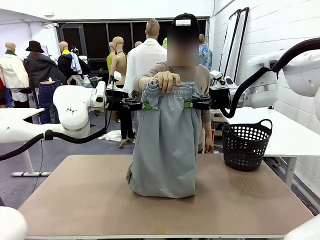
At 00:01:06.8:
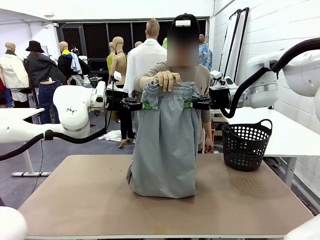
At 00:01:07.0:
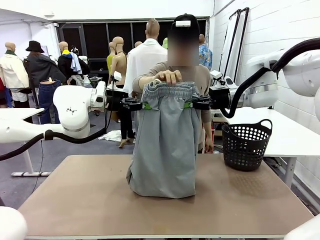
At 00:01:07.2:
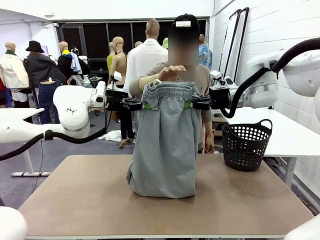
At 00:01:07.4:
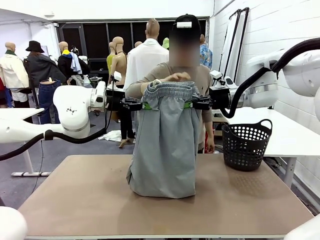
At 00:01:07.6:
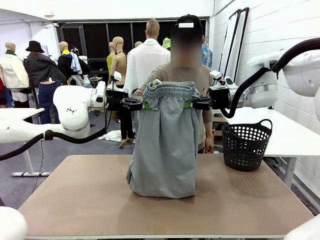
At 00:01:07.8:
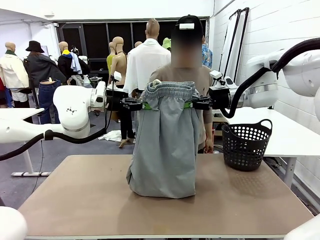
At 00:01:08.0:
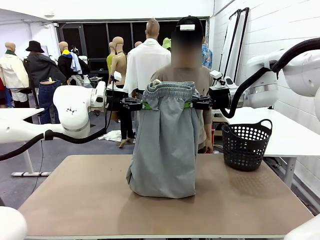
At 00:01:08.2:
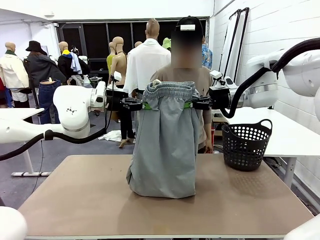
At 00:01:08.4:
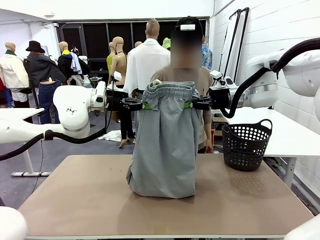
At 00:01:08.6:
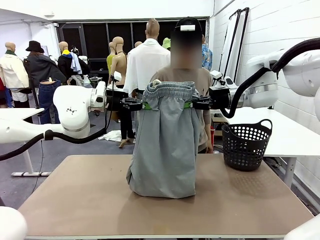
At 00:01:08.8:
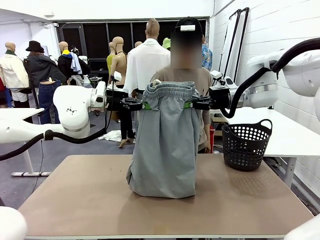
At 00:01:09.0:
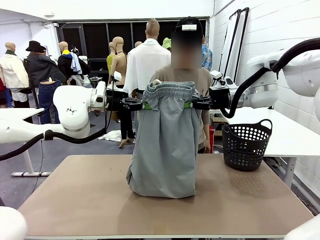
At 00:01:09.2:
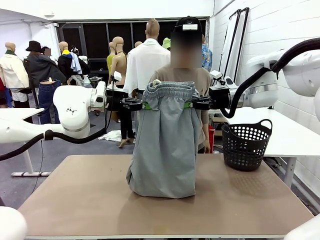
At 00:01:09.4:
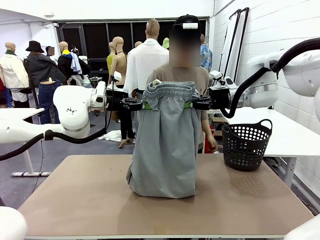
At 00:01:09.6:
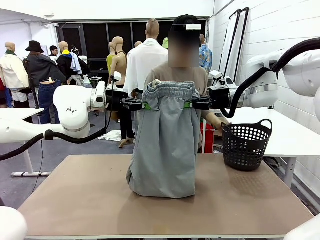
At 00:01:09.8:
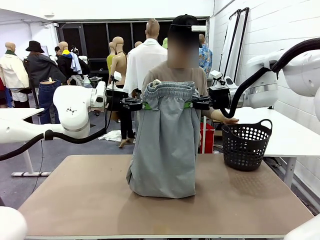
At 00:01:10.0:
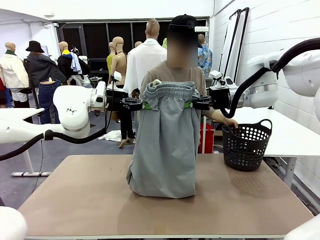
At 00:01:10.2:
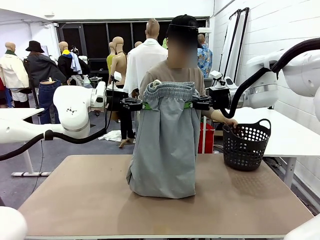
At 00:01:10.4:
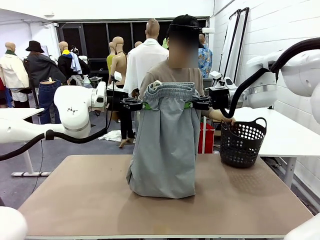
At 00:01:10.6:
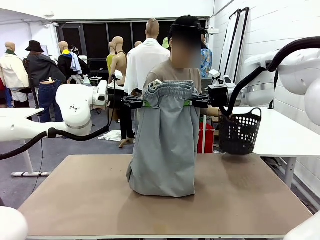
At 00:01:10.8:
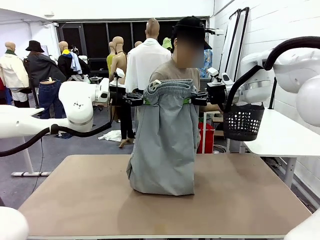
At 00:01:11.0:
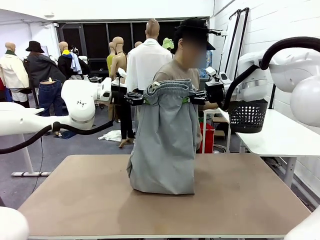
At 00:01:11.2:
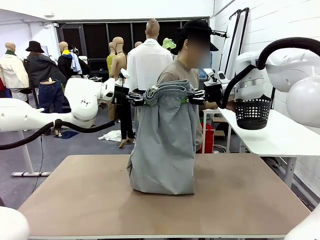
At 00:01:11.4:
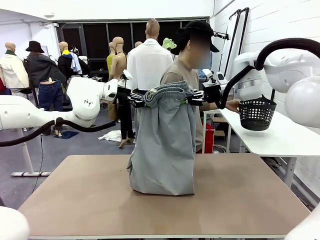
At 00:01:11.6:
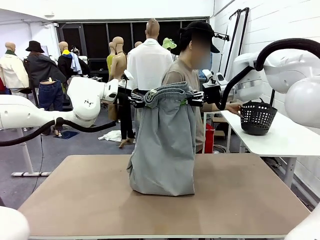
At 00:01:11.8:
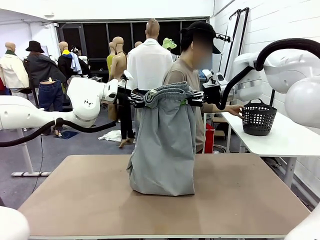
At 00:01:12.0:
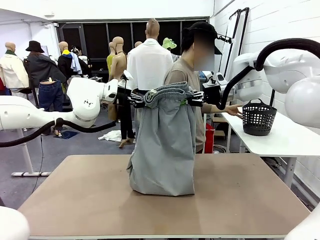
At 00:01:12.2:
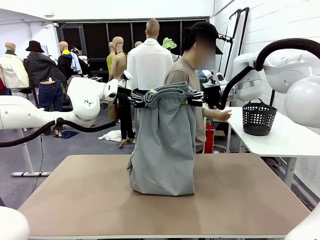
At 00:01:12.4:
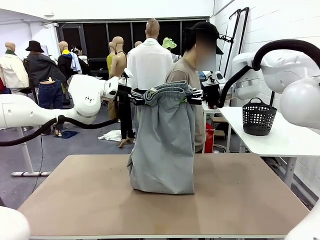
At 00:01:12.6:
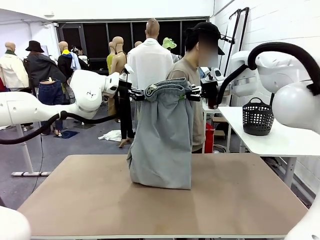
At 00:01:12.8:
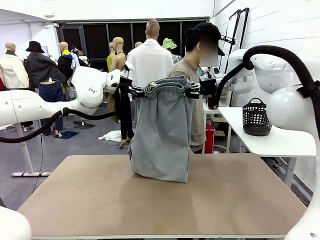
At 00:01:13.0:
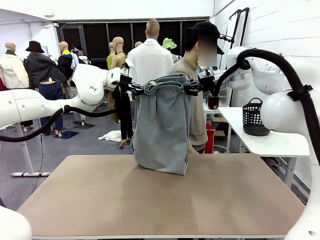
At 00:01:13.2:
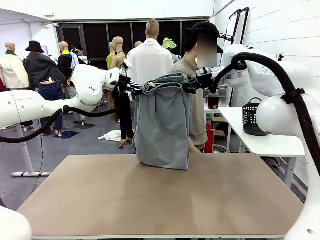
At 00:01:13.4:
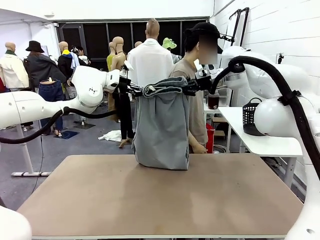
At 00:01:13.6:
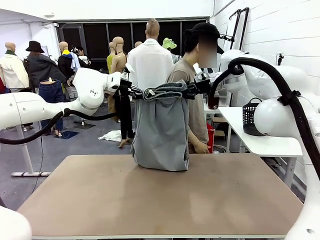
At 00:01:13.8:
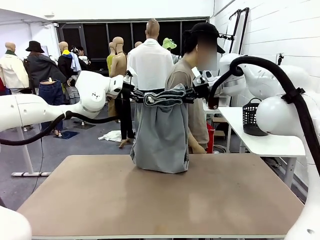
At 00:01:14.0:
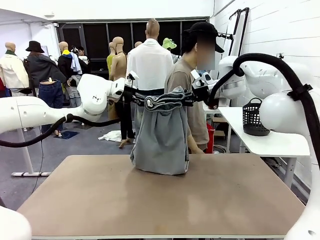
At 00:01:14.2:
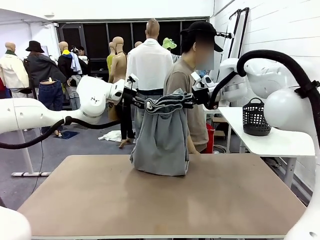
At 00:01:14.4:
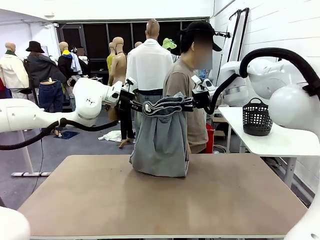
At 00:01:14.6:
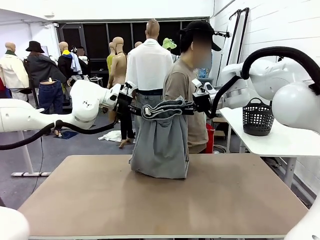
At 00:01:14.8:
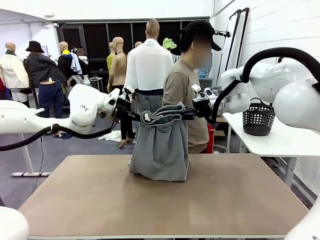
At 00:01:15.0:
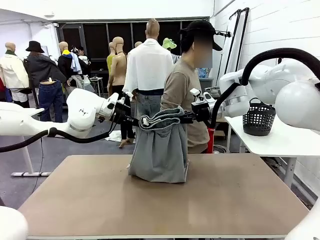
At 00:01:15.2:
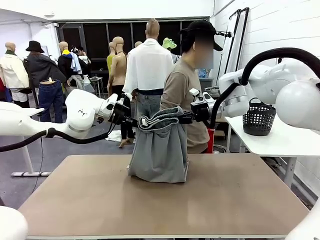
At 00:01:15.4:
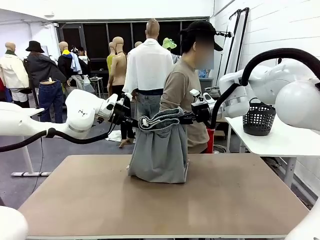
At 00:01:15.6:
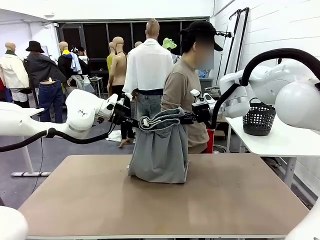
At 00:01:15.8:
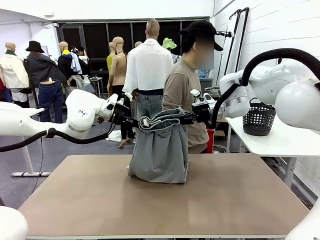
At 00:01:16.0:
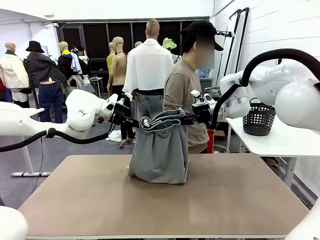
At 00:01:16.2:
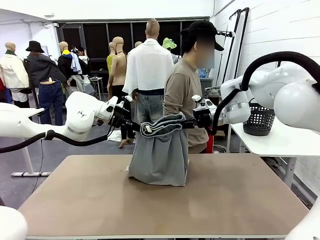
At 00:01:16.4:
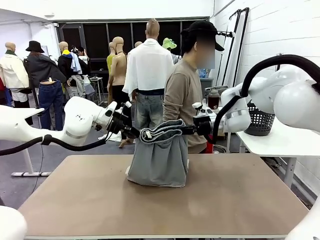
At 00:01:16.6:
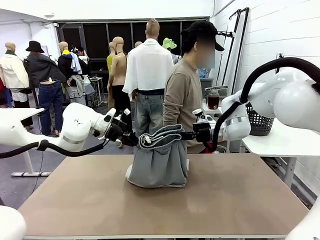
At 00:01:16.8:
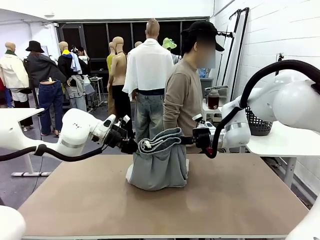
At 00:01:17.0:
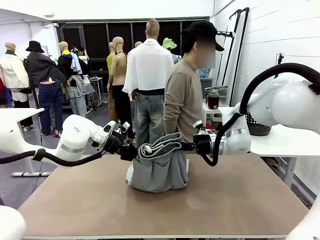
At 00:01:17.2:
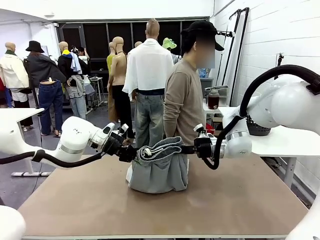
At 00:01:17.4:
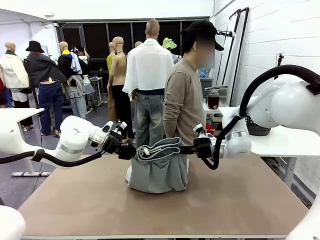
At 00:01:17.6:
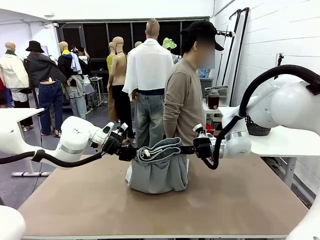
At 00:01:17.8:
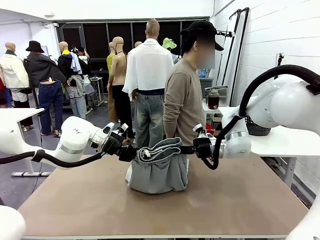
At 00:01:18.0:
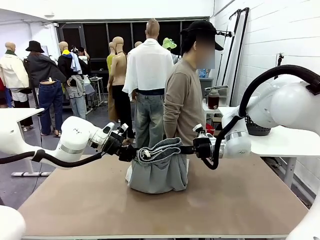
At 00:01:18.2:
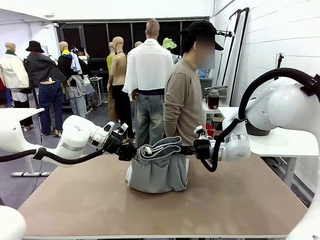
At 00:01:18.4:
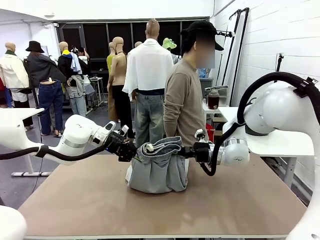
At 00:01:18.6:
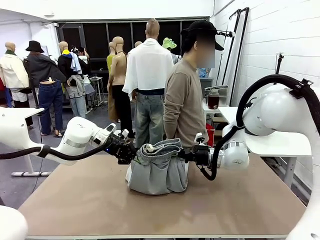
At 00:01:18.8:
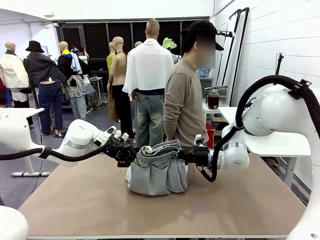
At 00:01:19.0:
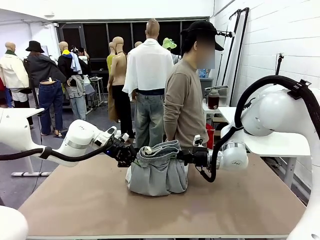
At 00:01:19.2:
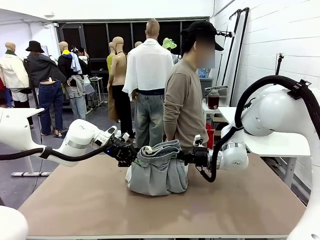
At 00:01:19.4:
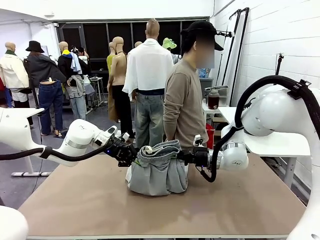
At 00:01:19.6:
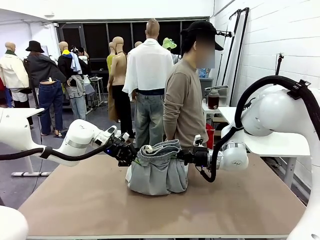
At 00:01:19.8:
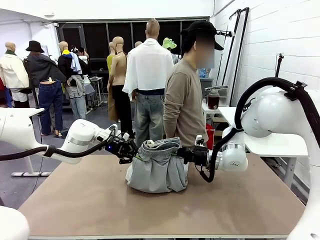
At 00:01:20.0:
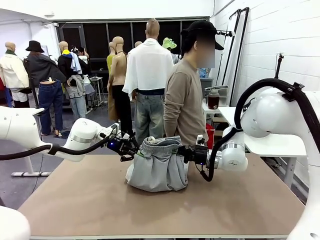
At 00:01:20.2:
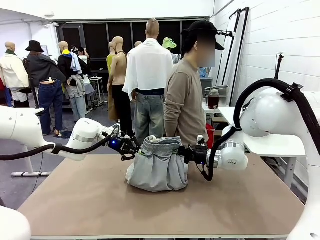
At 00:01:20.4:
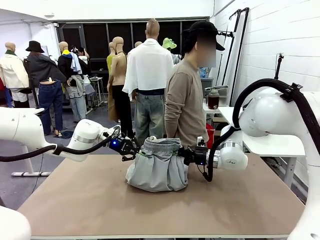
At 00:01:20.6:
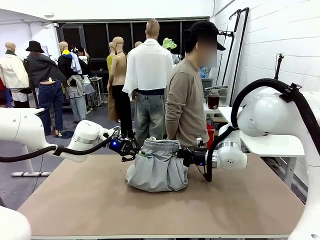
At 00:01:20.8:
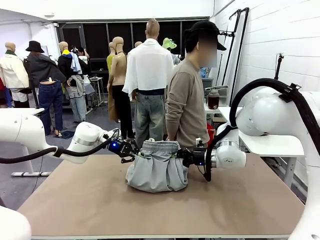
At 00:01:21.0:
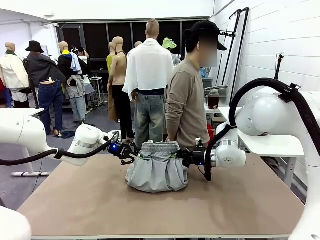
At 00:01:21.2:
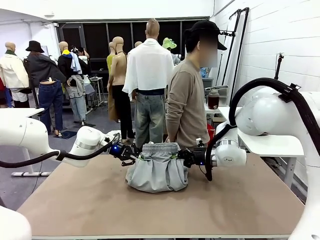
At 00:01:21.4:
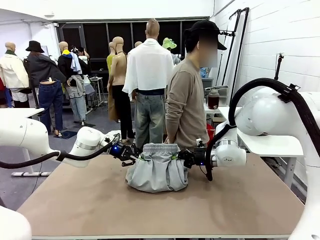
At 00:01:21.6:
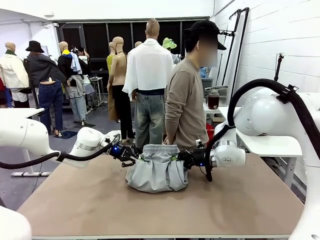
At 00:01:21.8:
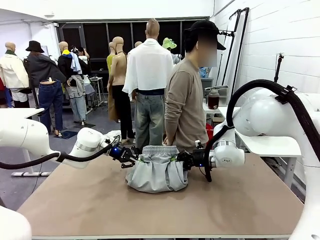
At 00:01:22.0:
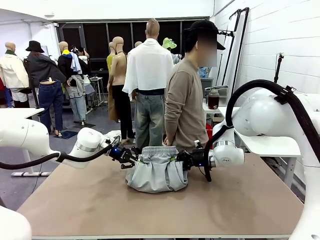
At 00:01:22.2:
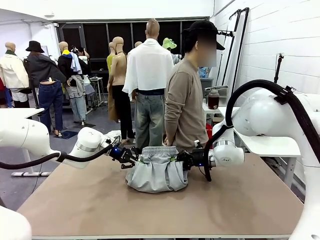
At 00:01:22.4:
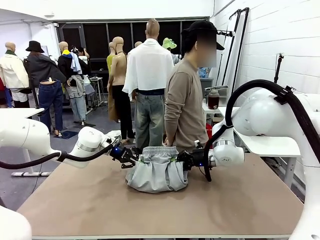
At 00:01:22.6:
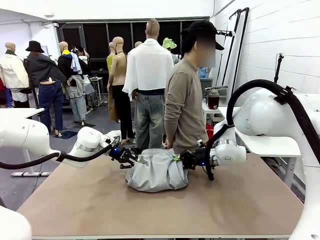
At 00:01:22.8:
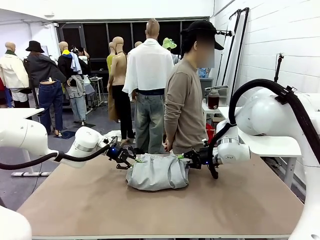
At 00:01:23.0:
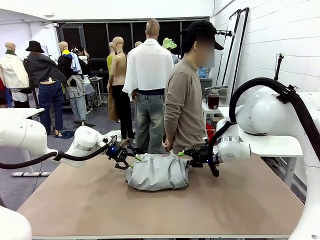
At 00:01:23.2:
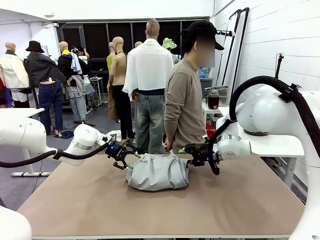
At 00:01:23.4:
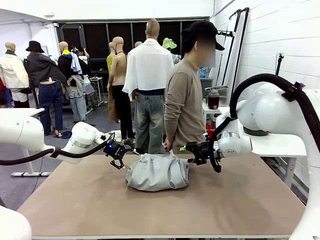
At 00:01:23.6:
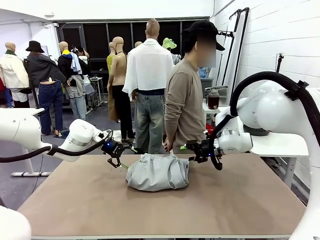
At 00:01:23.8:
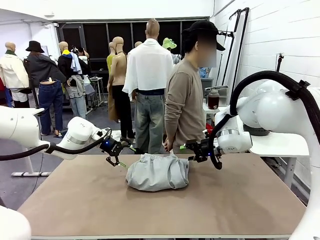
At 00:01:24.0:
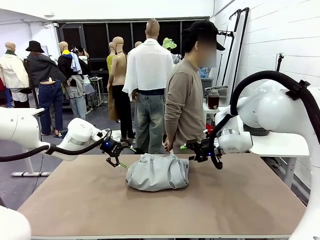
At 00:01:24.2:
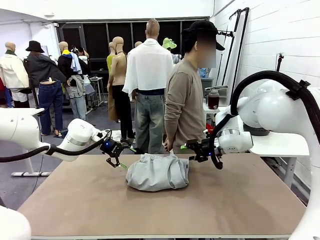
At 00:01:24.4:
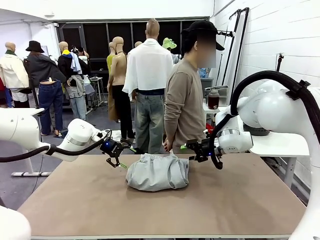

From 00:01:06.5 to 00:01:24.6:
Task: Fold the training pants.
Robot: Fold the Training pants in half.
Person: Move the laundry basket to the right of the human table.
